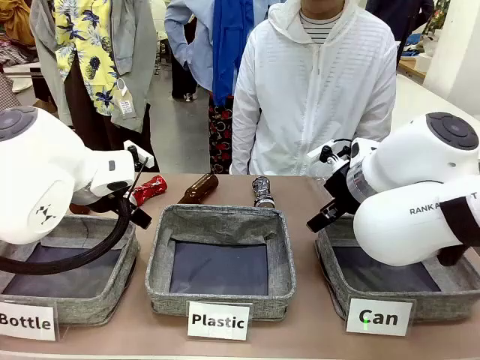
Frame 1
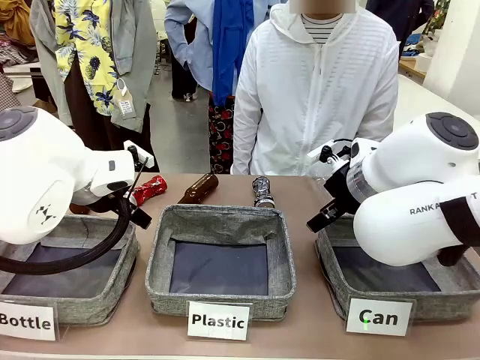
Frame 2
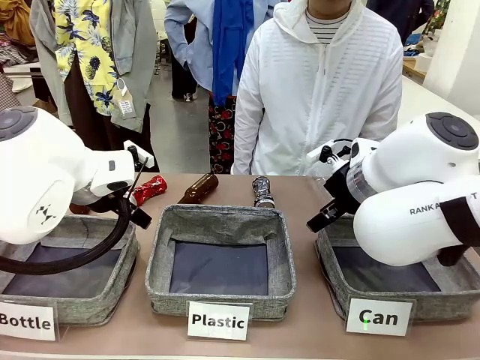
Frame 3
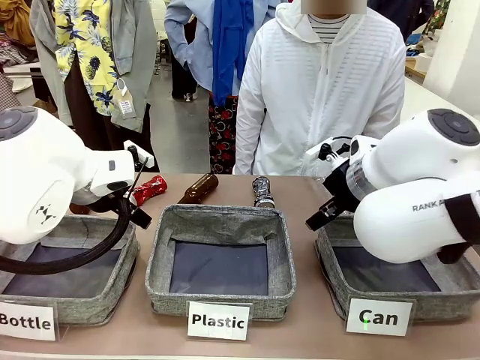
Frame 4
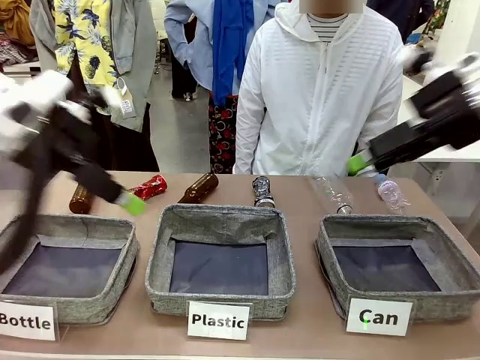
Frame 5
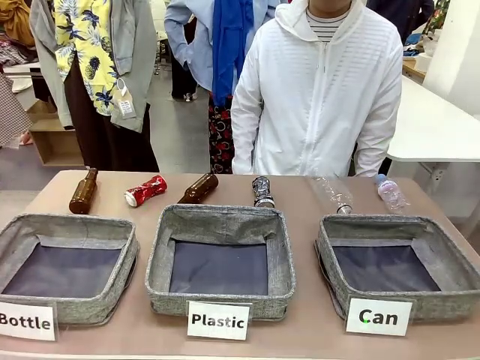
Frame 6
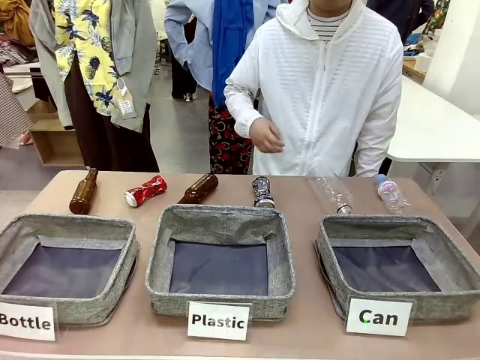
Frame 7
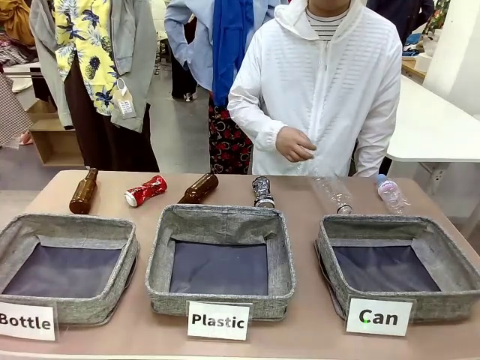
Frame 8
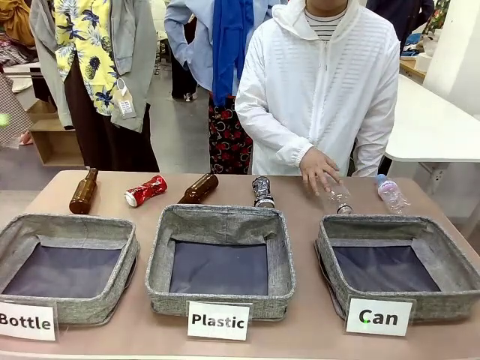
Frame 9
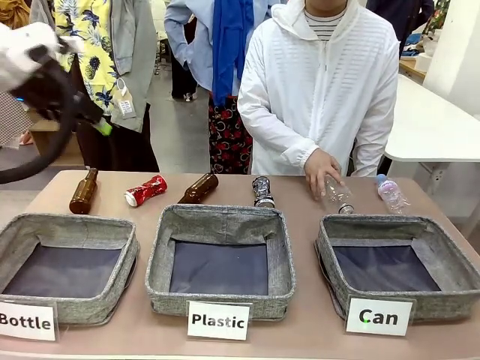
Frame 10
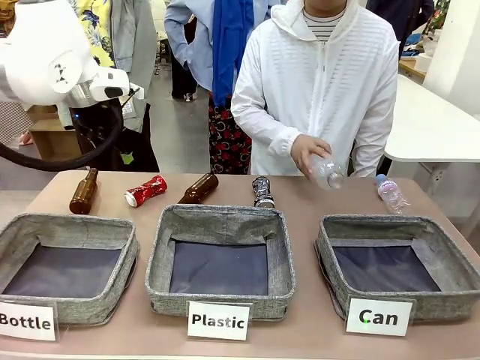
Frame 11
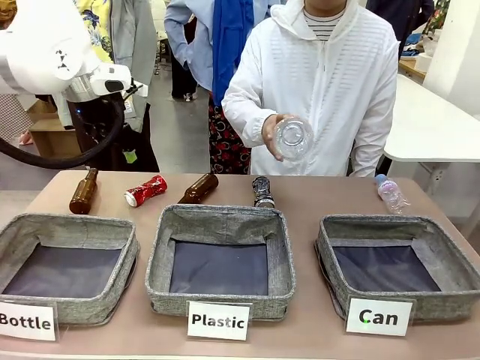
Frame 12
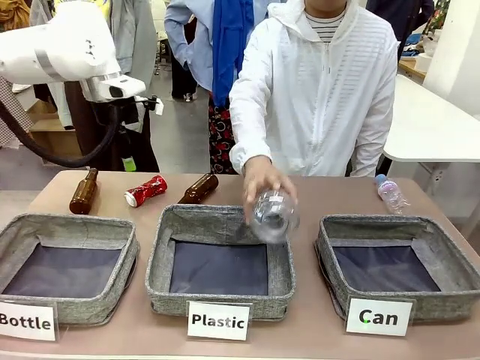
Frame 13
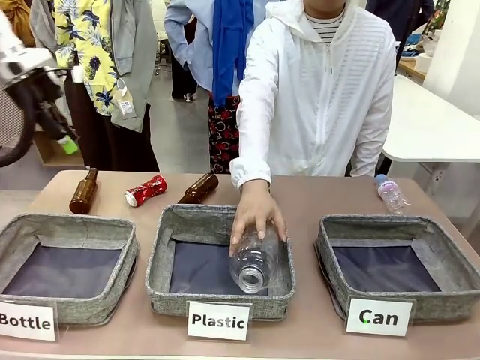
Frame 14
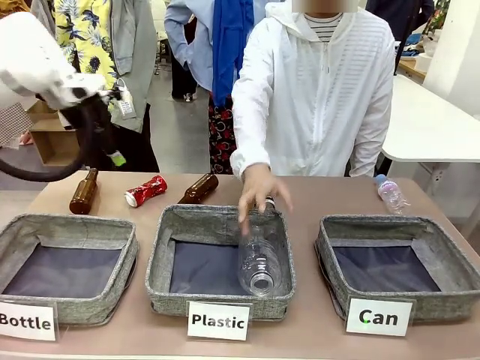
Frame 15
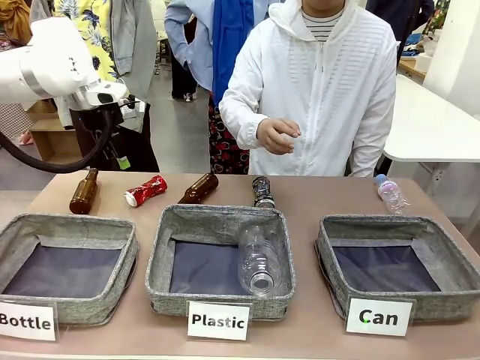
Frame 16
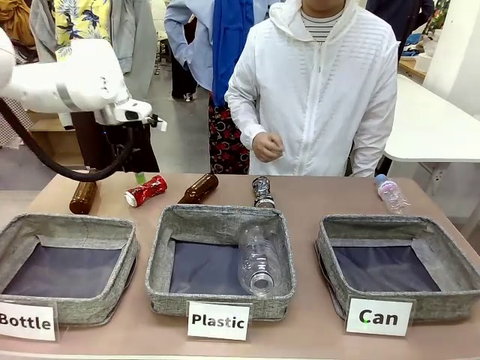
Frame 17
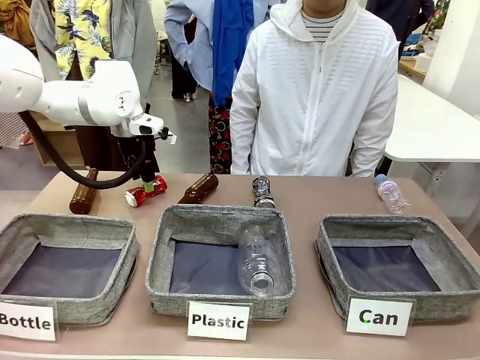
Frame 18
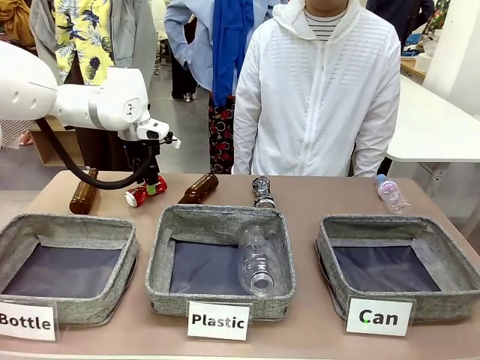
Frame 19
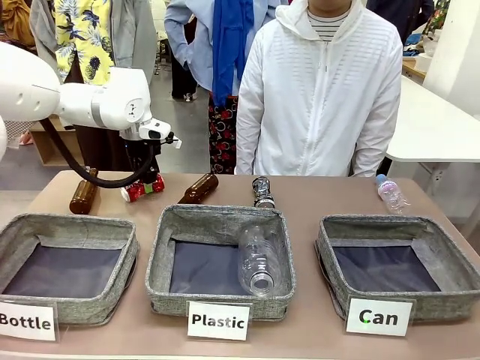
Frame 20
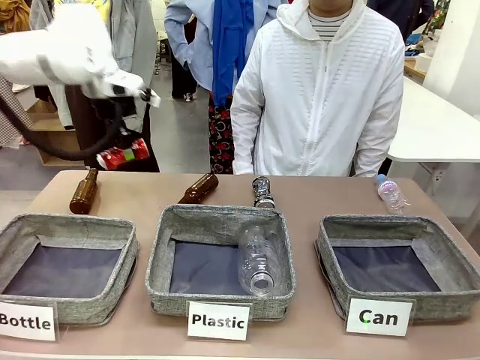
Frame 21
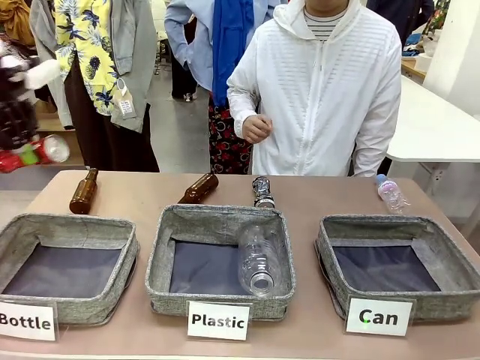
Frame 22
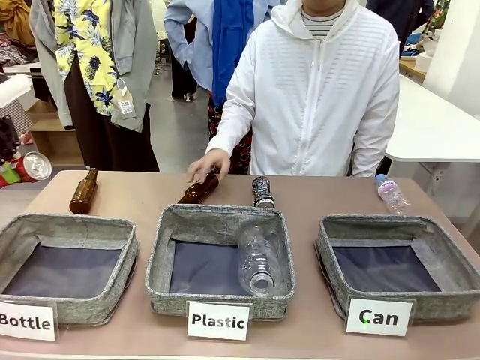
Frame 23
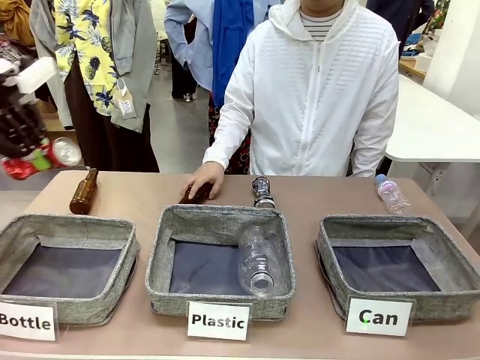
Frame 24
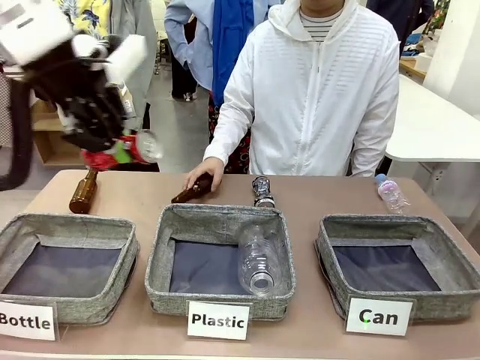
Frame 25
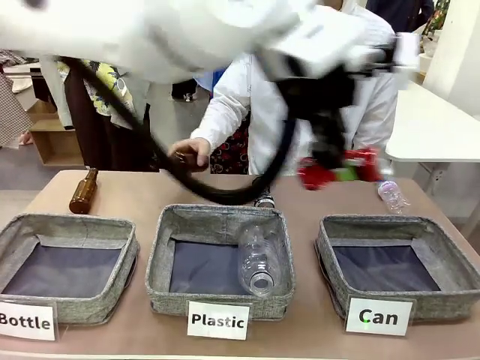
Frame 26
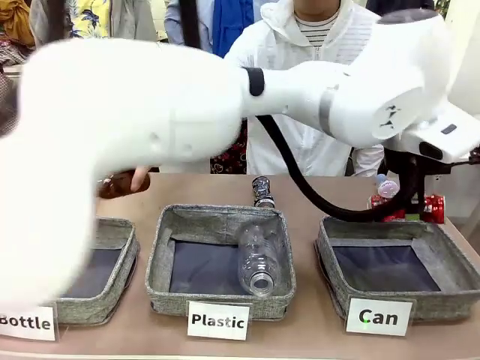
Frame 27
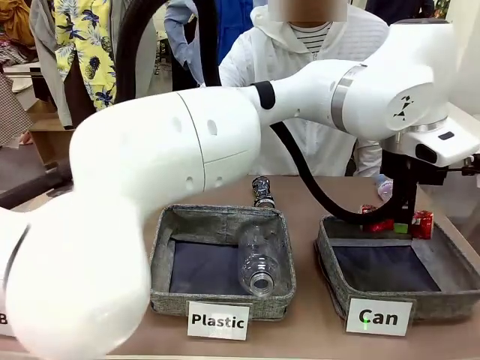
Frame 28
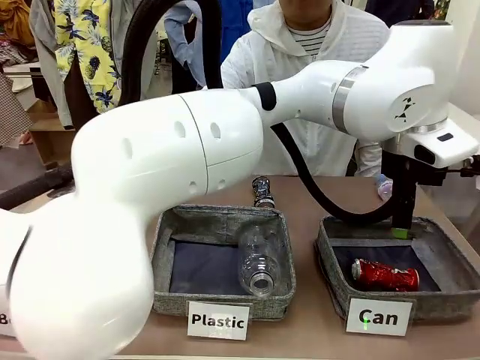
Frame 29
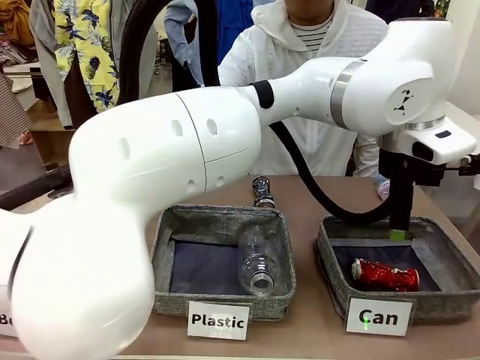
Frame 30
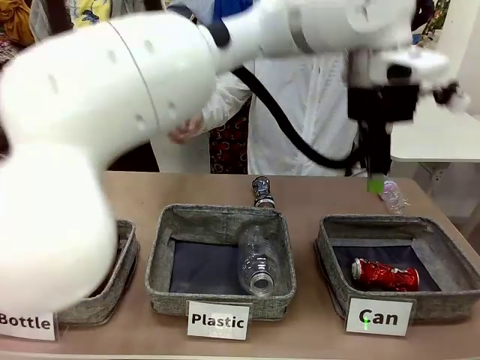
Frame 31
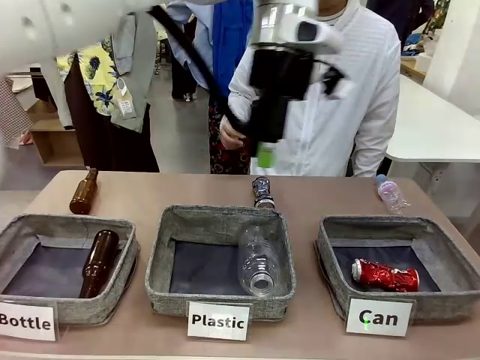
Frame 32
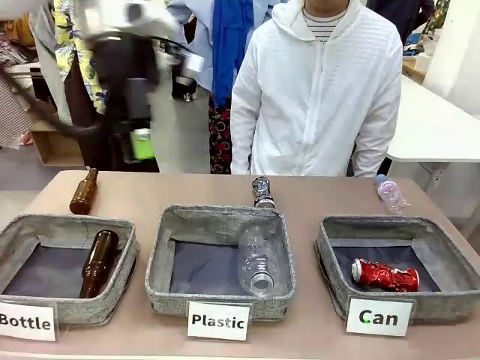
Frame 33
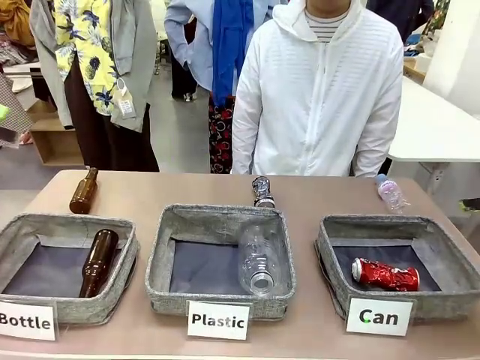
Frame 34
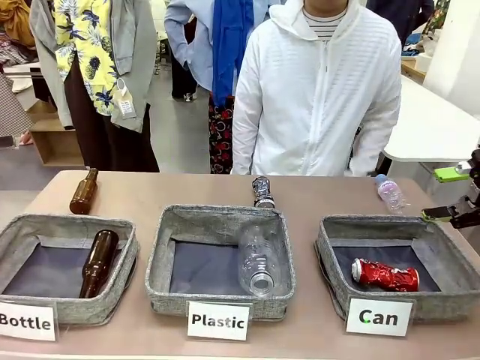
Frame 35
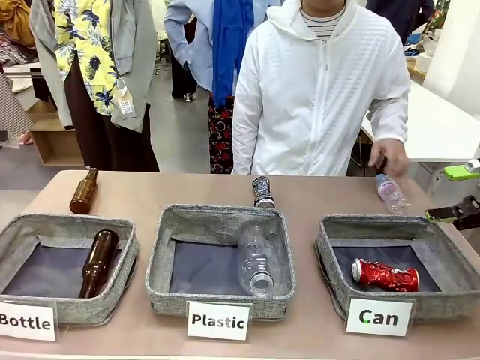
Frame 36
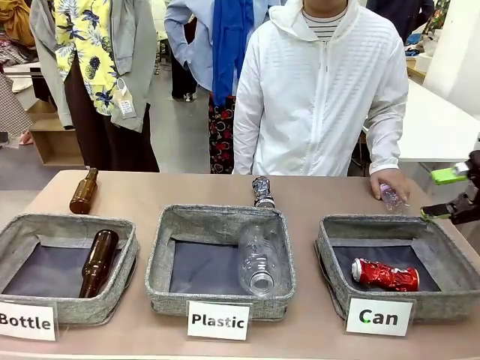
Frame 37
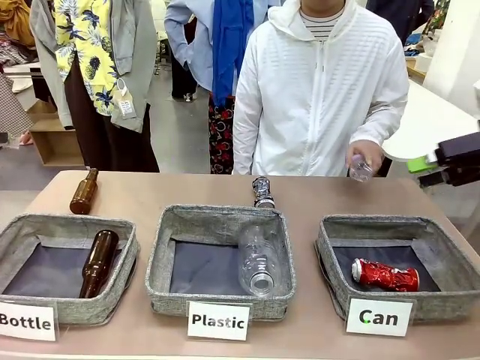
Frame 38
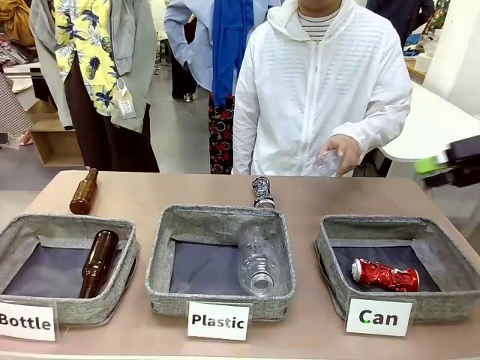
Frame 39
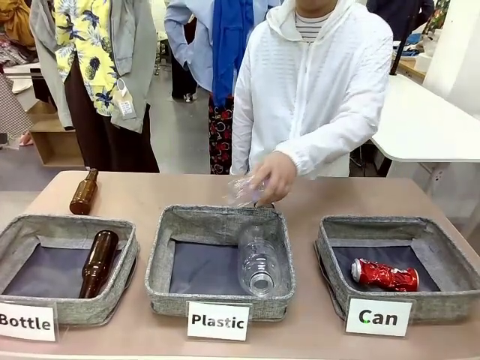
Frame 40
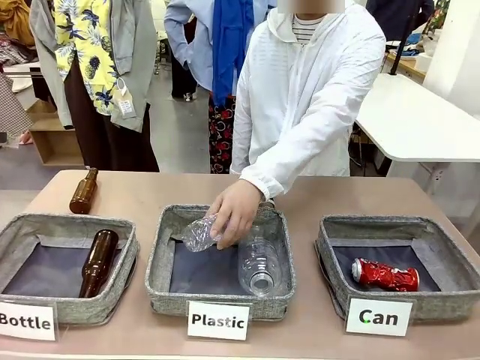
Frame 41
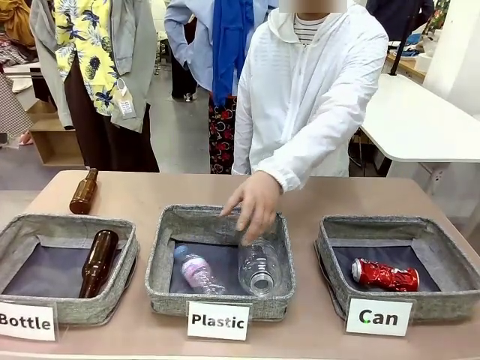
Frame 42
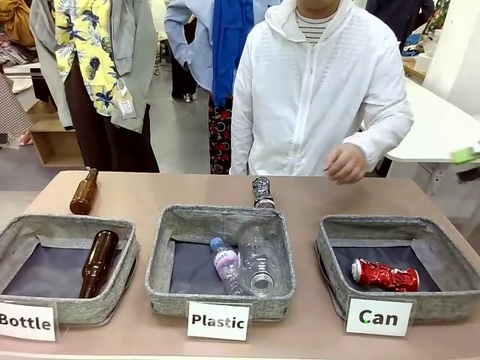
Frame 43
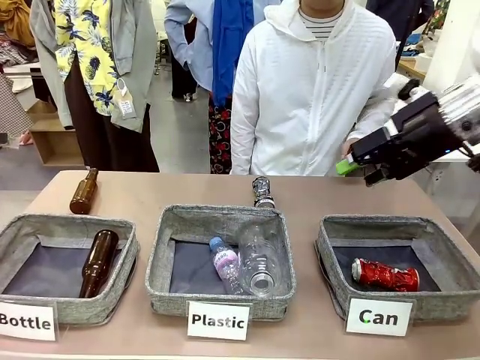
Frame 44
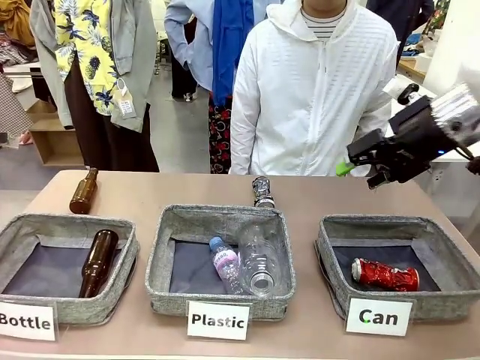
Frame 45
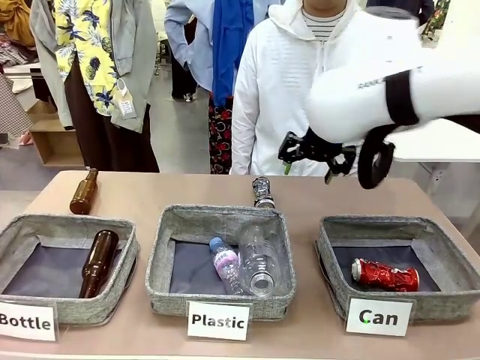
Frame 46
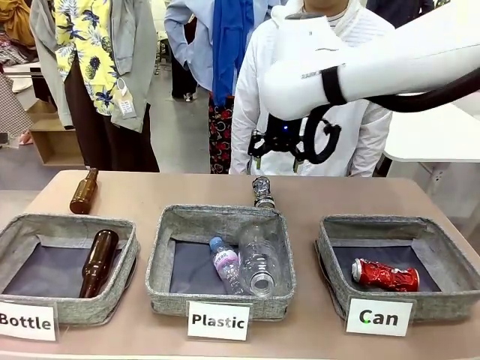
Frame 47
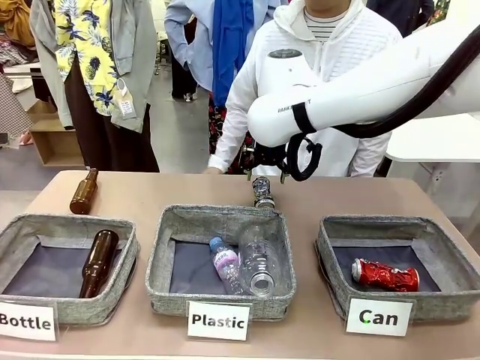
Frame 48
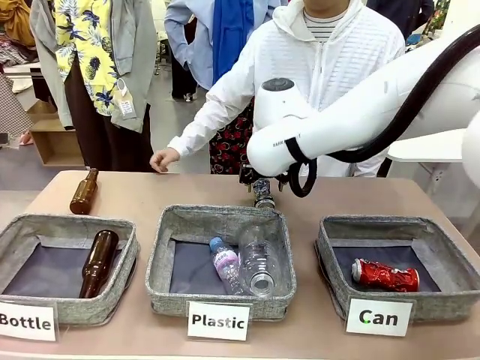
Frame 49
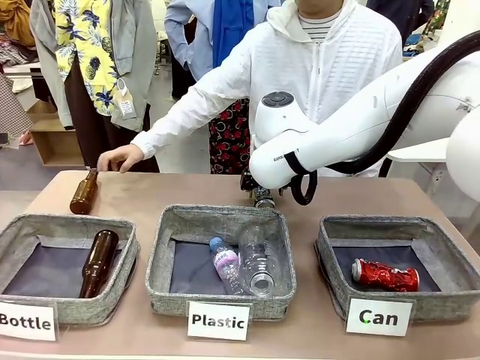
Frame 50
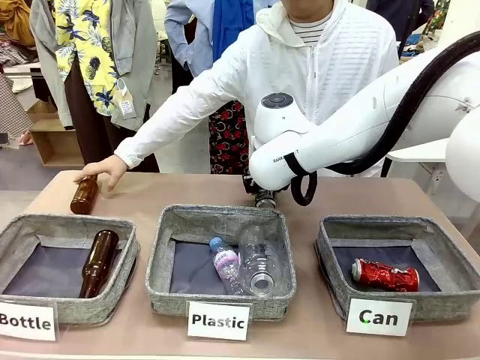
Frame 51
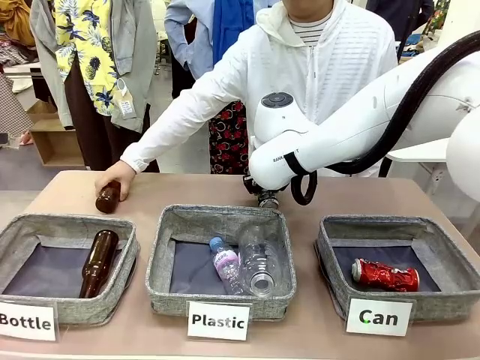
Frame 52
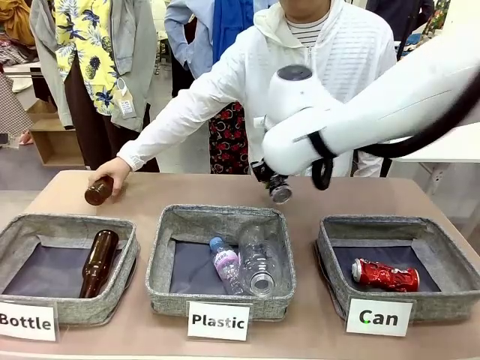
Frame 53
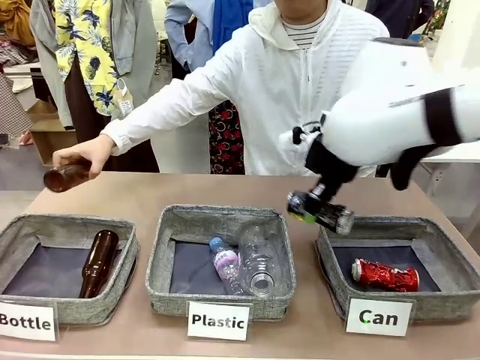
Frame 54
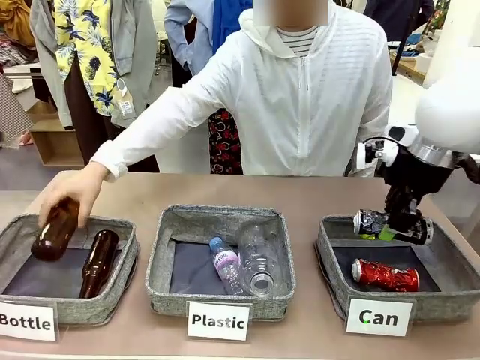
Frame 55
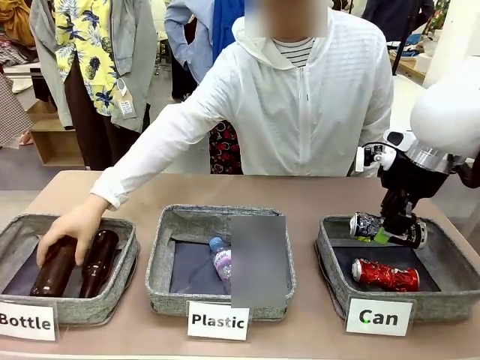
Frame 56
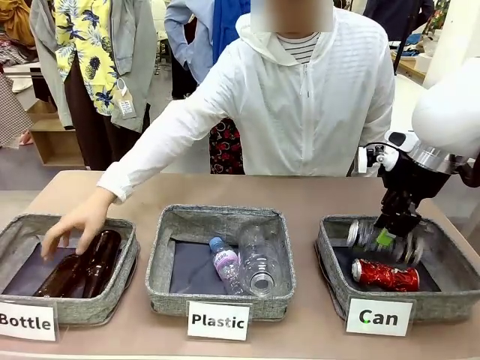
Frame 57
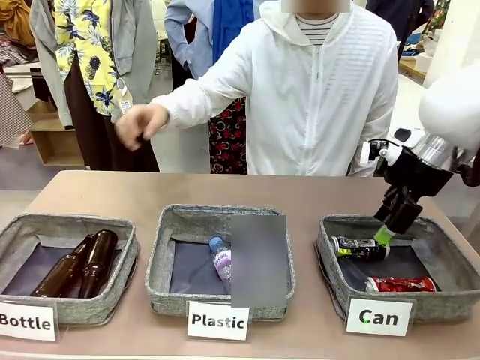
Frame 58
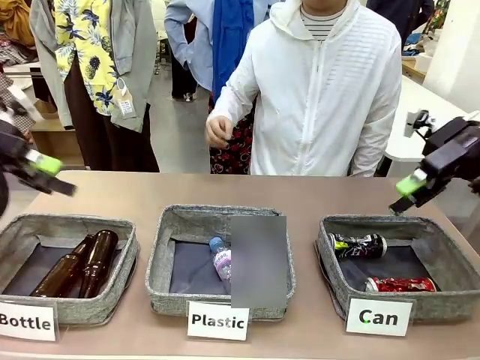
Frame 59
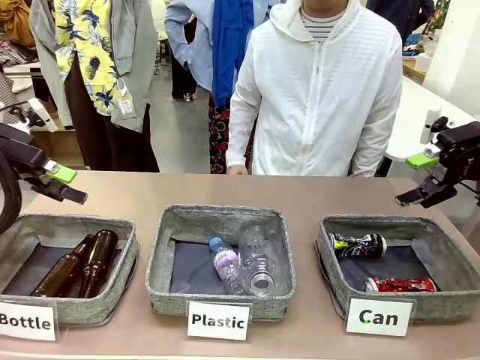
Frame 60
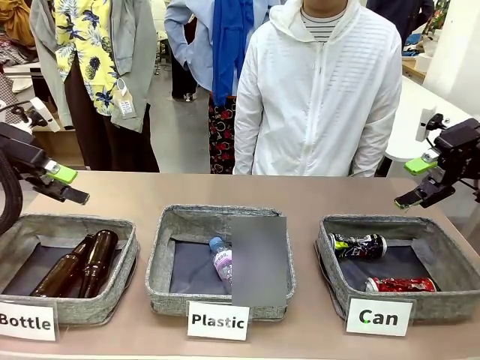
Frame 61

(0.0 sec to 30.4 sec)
Task: Sort the can waste into the basket.
Robot: Pick up the can waste from the table and place it in the right Fabric basket.
Person: The human picks up one piece of trash that is not a can and places the trash into the appropriate organizing basket.
